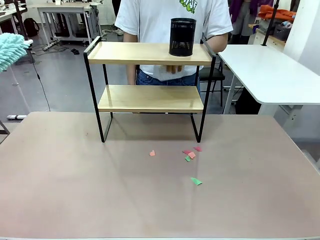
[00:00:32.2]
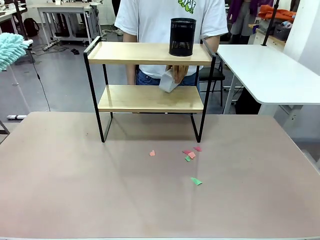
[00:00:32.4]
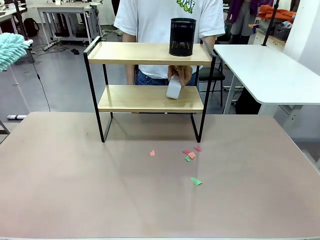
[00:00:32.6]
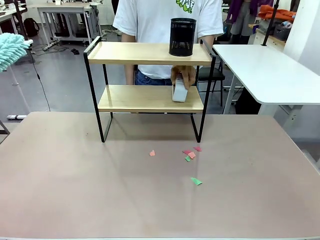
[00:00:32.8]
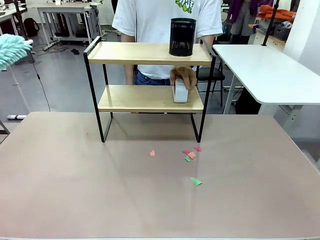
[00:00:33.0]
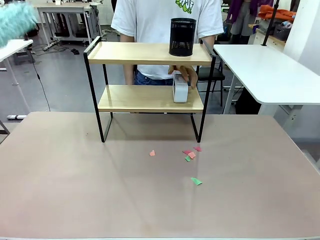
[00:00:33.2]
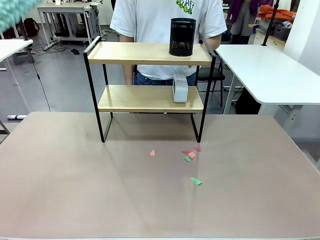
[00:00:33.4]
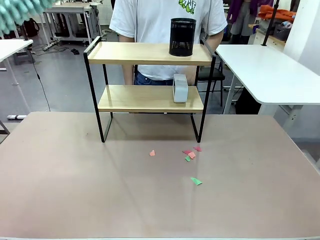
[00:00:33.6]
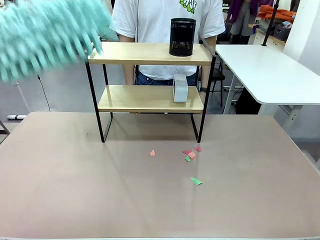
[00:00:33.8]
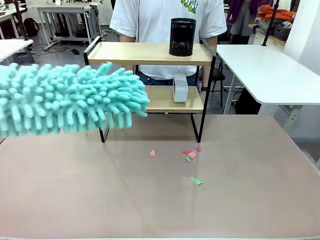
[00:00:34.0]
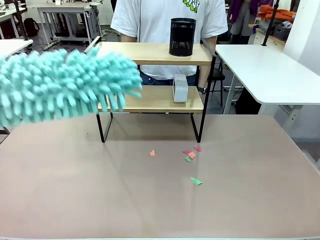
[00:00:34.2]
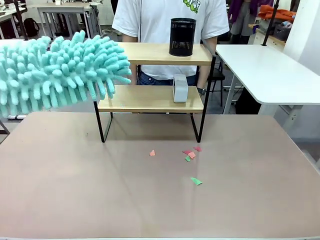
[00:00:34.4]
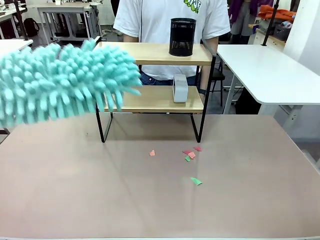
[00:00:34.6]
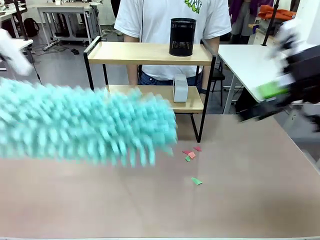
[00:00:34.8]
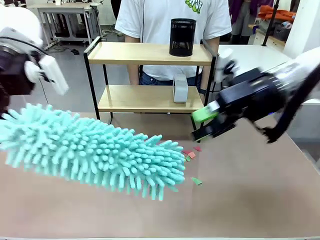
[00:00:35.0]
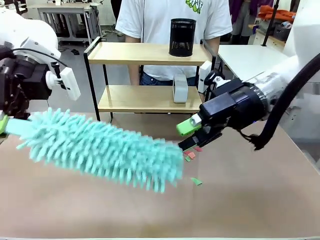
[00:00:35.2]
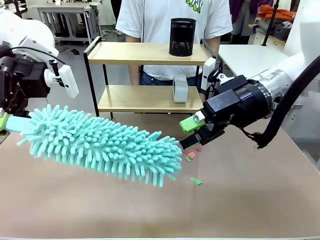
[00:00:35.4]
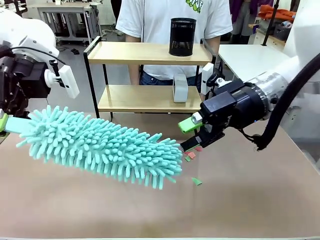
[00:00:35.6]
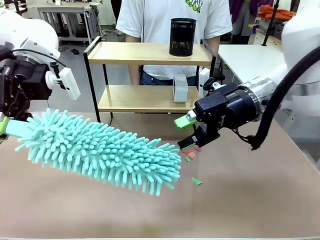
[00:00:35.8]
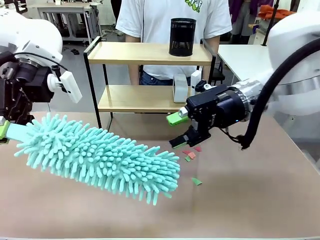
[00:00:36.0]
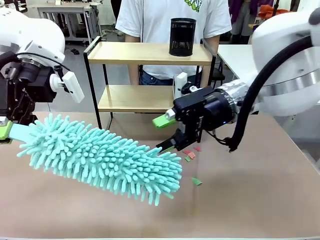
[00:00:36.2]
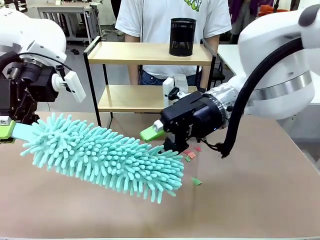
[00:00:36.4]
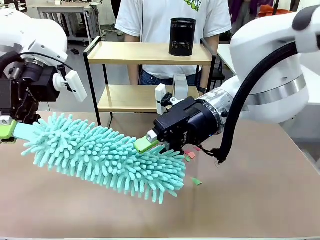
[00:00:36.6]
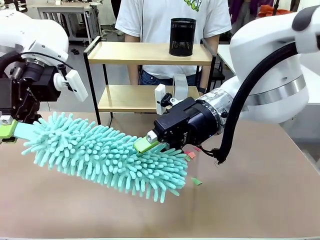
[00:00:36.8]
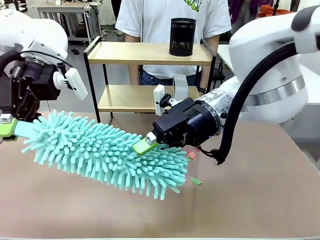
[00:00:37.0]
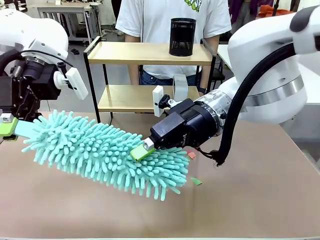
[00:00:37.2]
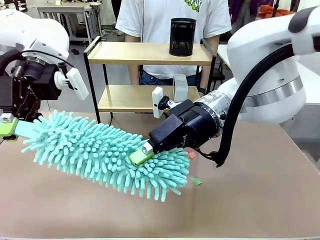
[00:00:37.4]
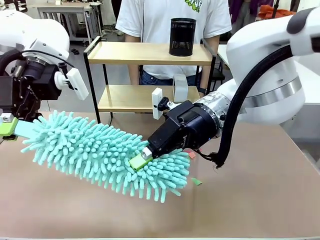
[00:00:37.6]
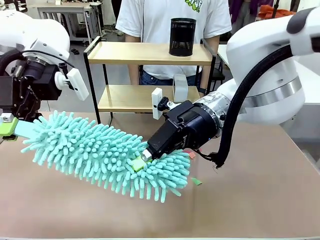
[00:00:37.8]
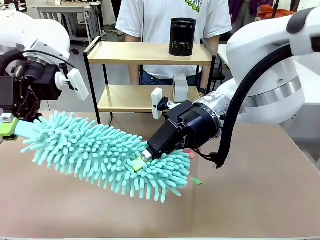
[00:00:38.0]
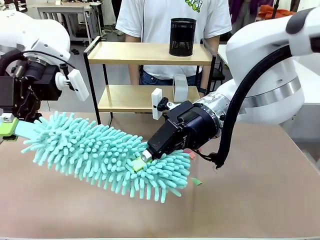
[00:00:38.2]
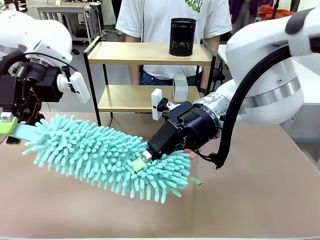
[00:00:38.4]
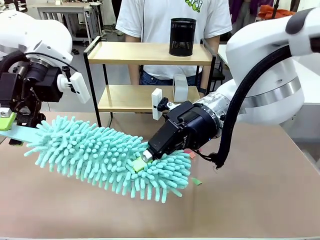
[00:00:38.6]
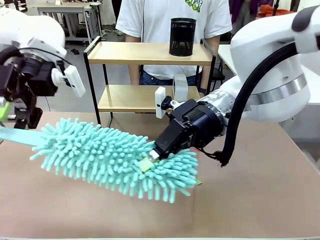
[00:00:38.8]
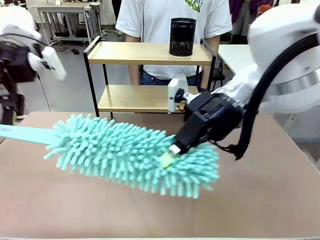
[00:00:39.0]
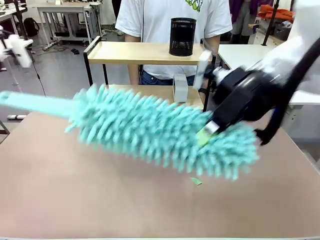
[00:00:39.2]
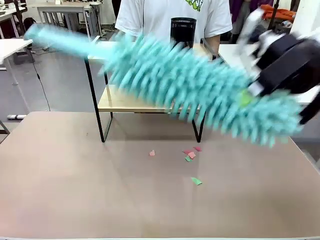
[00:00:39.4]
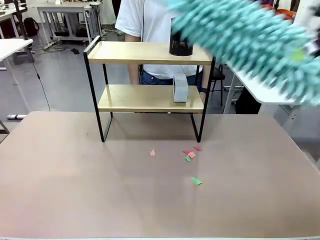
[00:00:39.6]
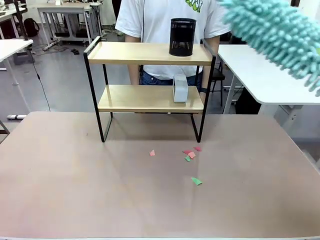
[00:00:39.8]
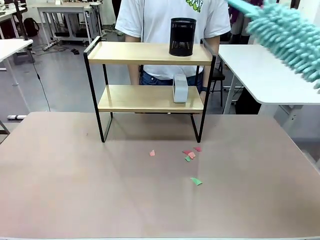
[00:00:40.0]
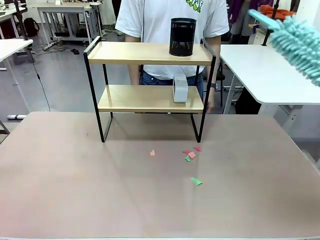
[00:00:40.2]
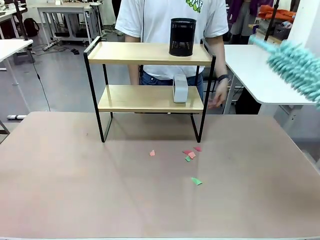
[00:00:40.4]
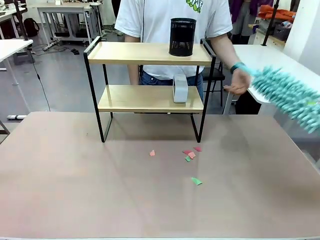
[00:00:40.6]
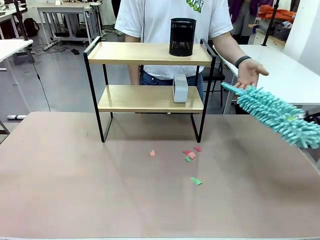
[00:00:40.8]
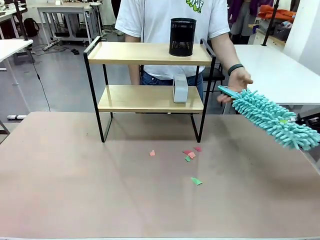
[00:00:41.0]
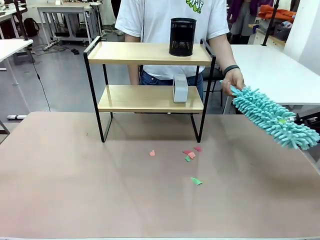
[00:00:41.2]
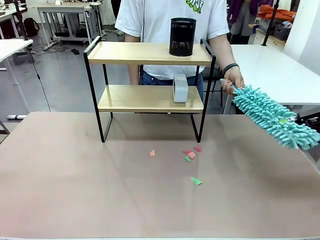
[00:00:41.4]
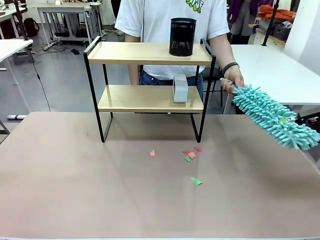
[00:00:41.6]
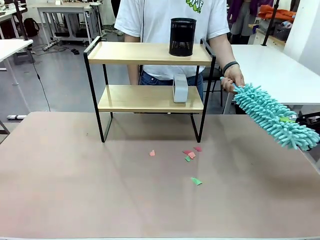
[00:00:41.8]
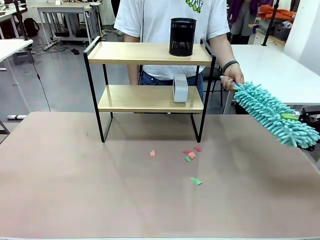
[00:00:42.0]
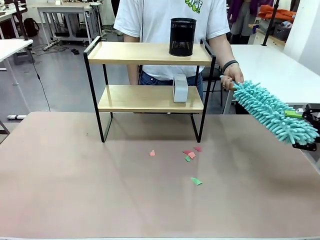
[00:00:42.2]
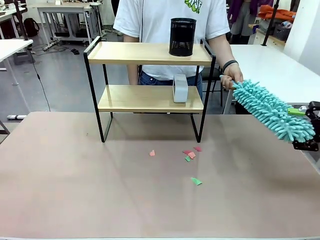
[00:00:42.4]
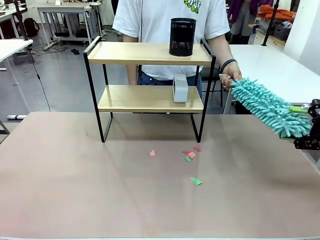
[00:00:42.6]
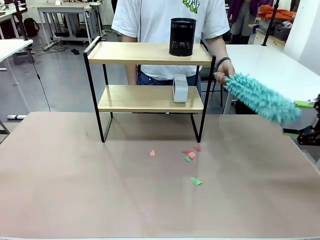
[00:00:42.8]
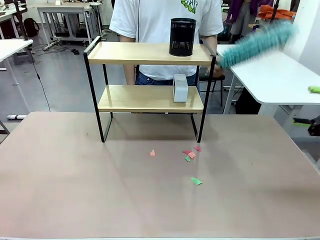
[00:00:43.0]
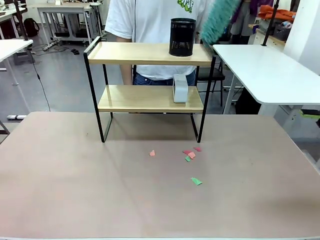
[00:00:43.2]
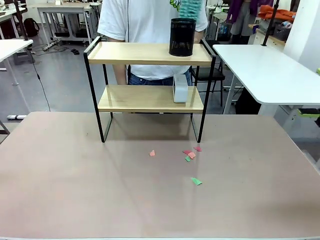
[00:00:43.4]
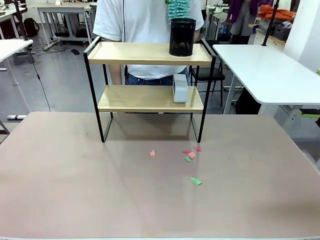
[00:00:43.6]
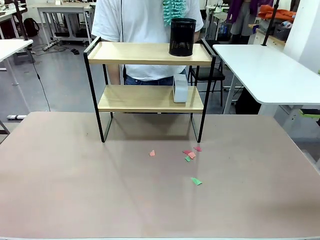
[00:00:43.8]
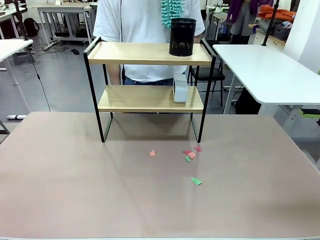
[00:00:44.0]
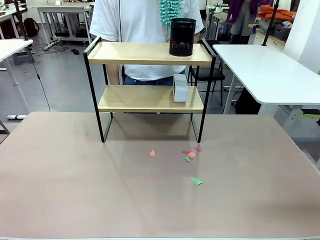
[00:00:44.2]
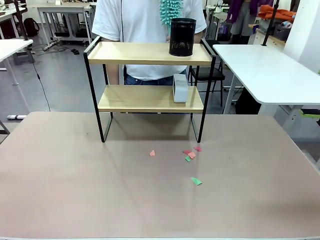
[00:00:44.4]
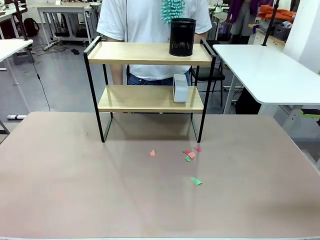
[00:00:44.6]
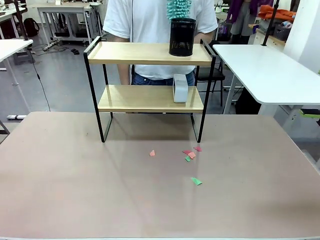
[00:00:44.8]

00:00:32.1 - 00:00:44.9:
Task: Clean the shelf.
Robot: Hand the Duster back to the human.
Person: Receive the Duster from the robot.

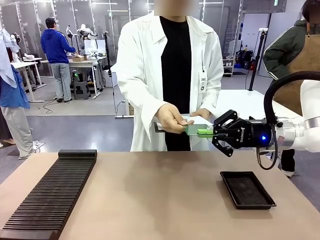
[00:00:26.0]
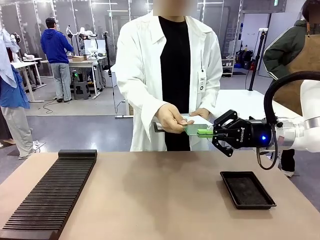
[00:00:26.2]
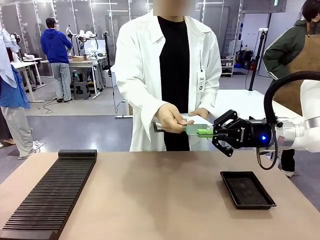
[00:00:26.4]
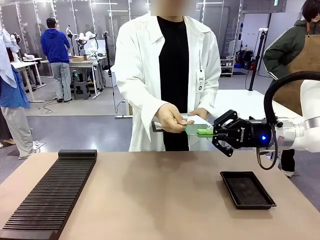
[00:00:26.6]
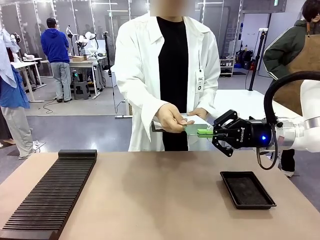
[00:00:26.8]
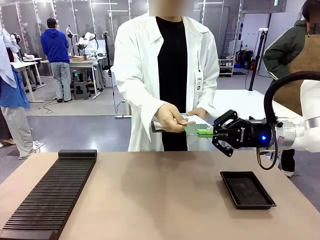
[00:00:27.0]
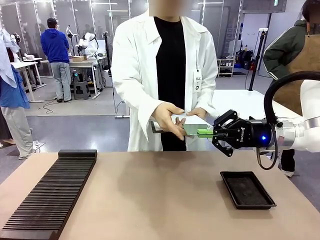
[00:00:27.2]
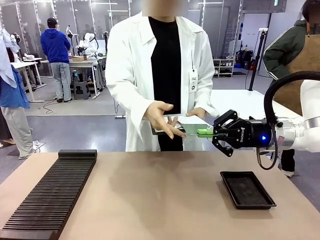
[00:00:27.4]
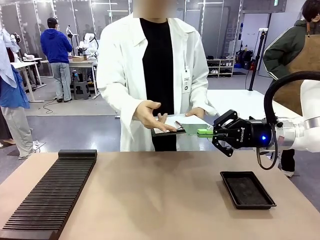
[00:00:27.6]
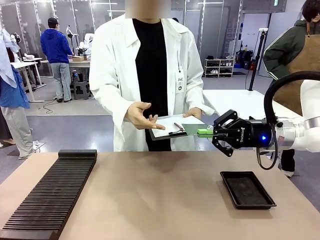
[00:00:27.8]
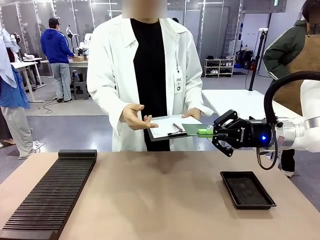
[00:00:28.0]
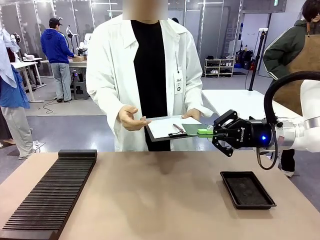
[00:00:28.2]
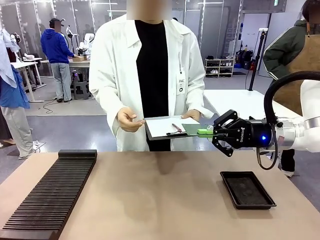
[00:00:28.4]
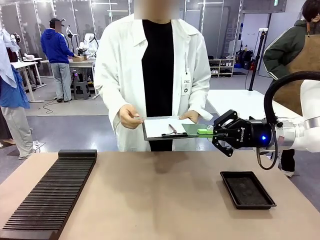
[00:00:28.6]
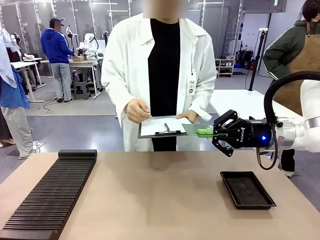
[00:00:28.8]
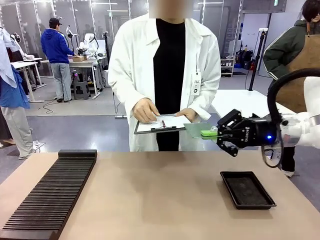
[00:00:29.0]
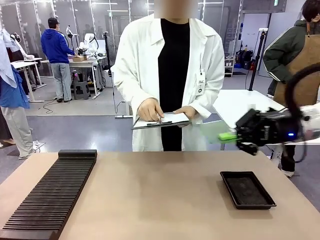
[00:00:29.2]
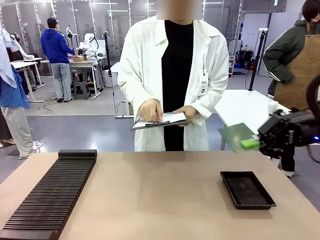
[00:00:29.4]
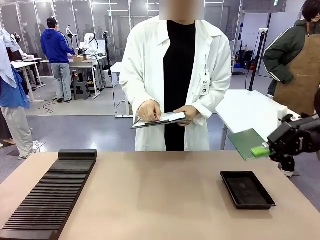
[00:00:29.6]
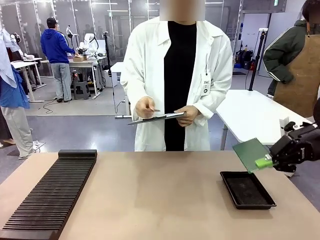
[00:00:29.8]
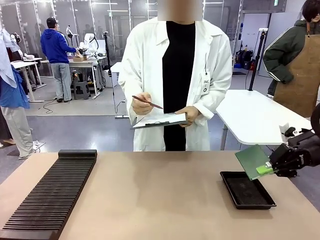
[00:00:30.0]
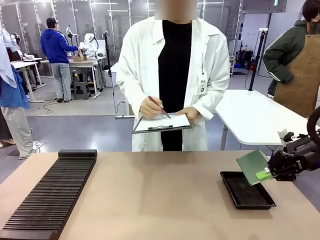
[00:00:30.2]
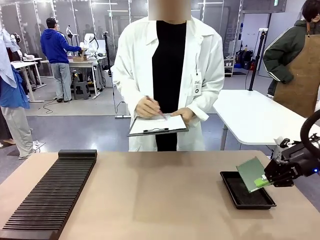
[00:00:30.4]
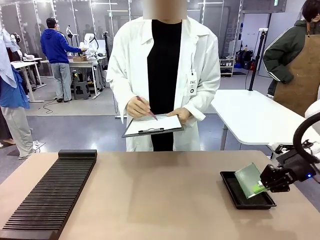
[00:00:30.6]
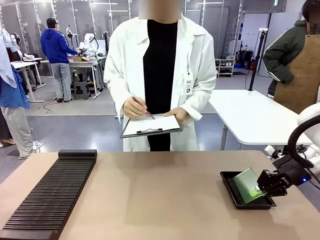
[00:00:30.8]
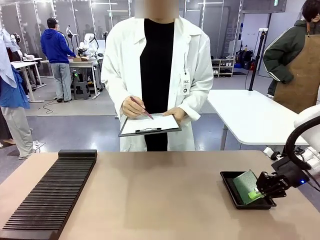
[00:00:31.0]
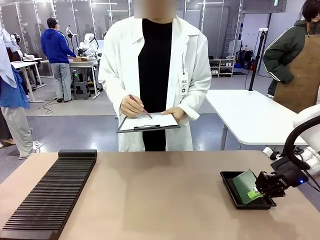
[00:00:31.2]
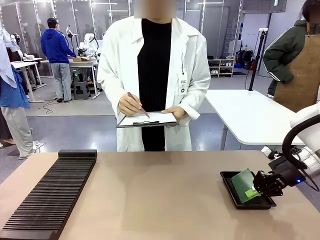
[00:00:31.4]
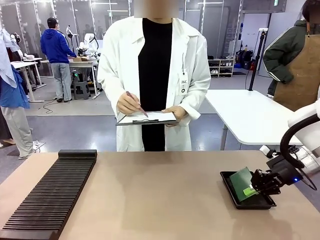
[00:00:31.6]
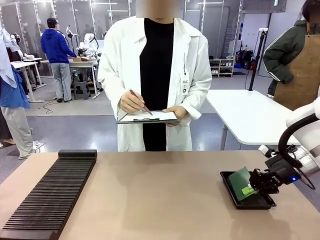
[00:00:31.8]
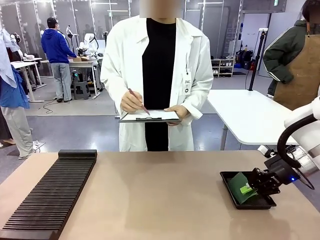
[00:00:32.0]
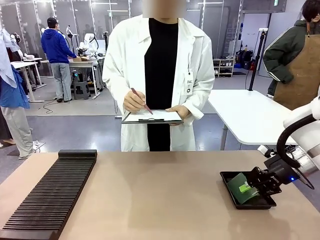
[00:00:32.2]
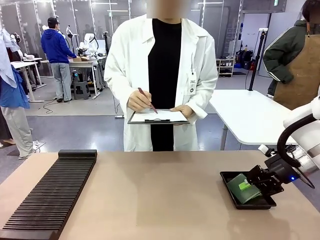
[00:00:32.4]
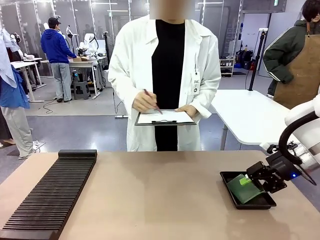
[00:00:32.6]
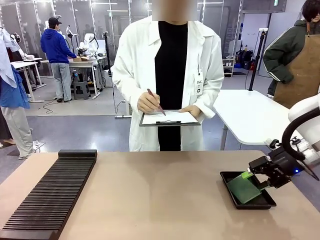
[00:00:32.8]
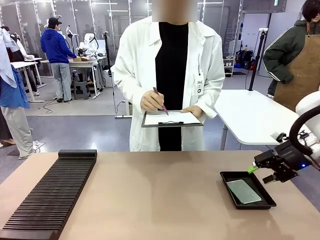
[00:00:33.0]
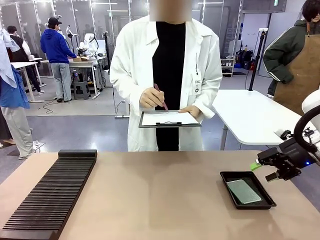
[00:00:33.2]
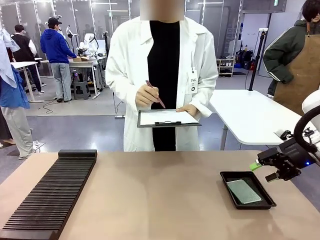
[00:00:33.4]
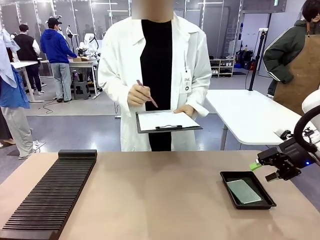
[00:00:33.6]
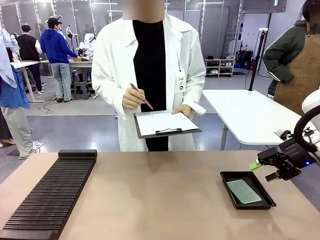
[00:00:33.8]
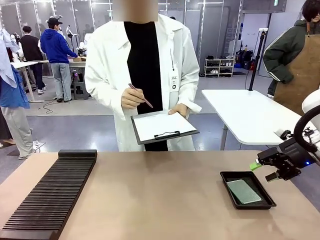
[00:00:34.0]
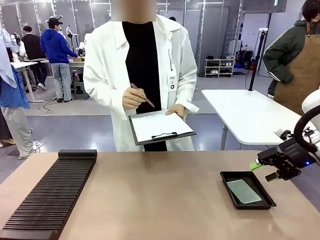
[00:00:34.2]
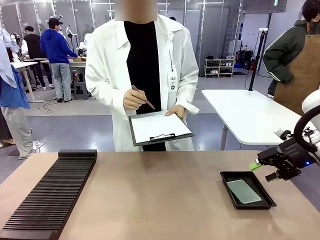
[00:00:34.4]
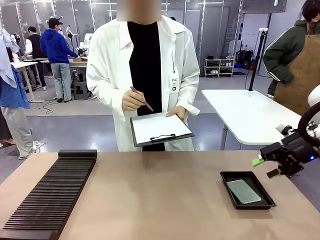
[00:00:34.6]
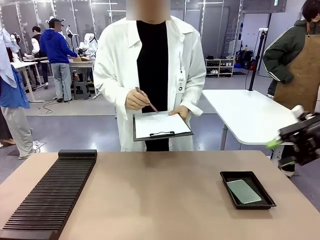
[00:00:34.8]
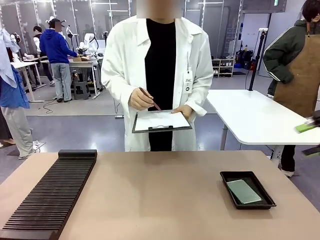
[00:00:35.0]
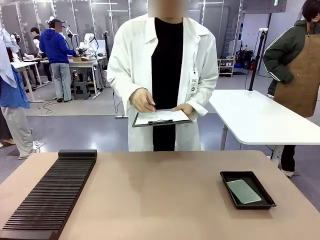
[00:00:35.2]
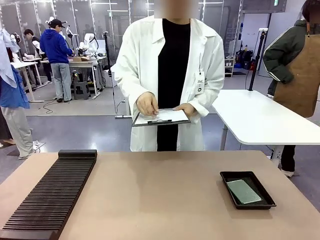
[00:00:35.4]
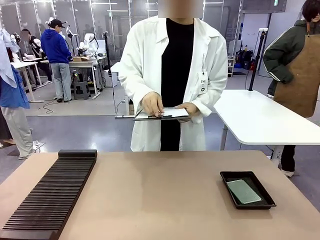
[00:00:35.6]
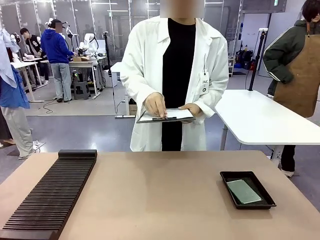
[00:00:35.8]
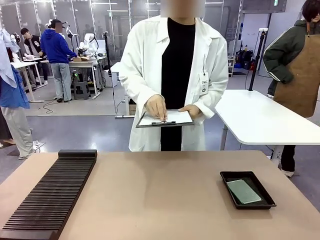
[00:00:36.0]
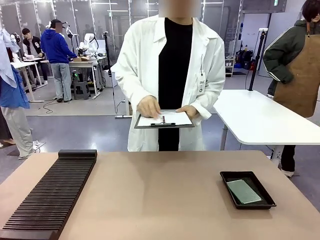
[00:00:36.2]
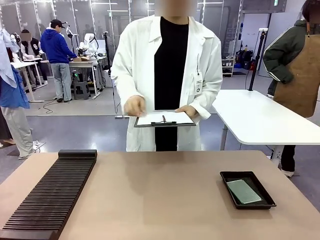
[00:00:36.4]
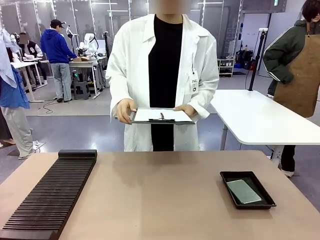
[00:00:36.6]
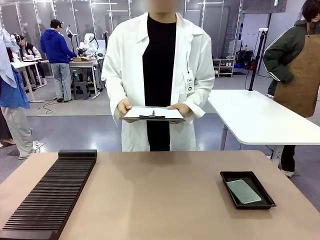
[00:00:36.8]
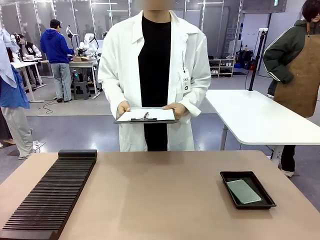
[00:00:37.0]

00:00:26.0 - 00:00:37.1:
Task: Inspect the PCB.
Robot: Place the Blank PCB in the ESD tray.
Person: Record the PCB status on the paper.
